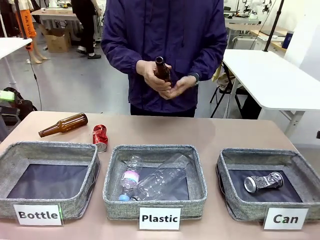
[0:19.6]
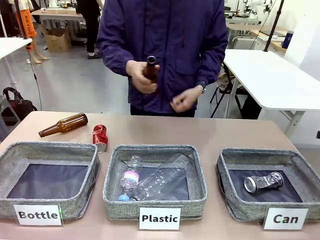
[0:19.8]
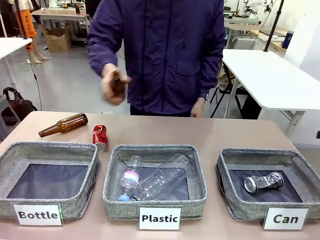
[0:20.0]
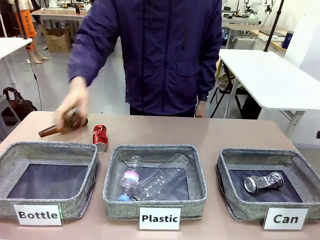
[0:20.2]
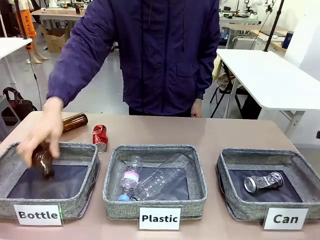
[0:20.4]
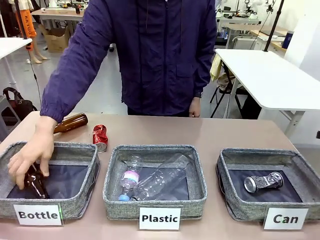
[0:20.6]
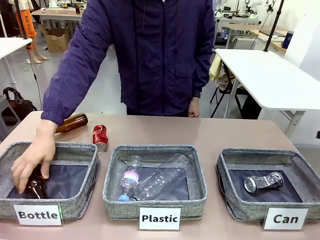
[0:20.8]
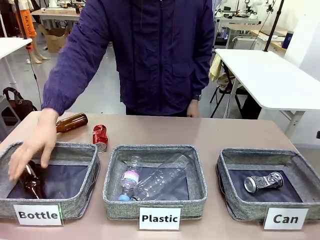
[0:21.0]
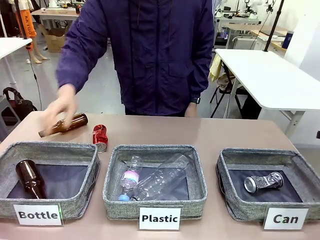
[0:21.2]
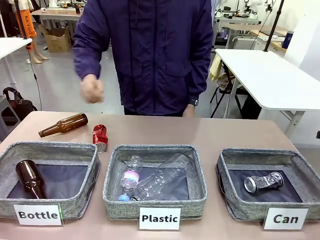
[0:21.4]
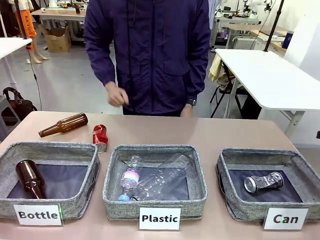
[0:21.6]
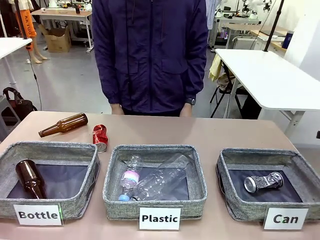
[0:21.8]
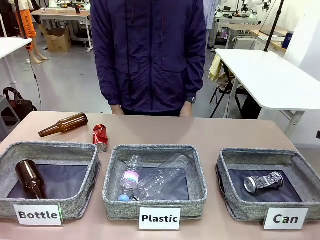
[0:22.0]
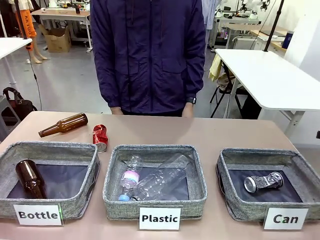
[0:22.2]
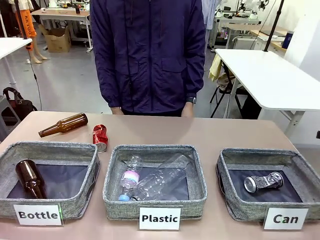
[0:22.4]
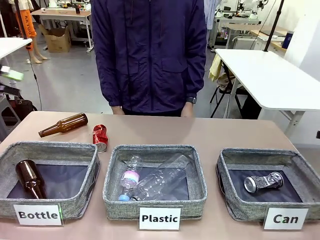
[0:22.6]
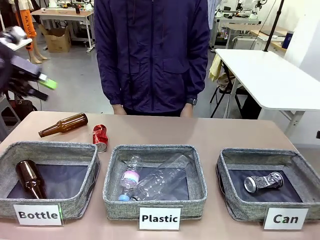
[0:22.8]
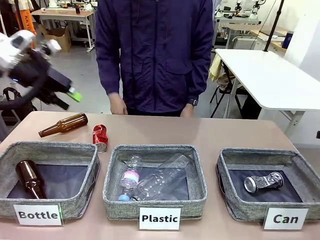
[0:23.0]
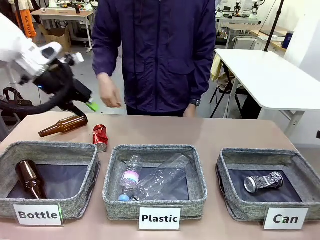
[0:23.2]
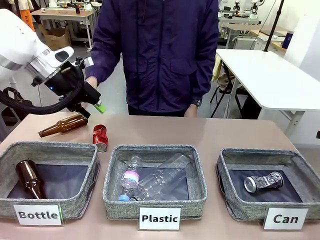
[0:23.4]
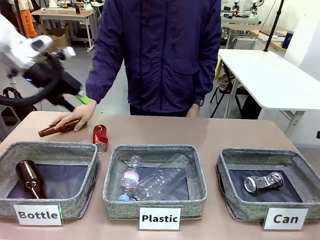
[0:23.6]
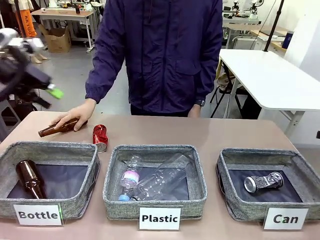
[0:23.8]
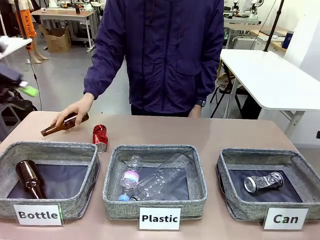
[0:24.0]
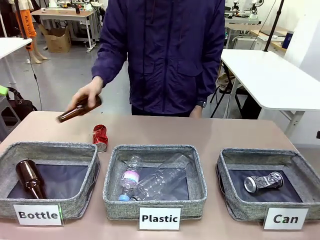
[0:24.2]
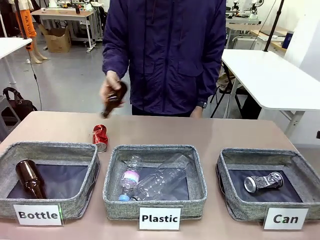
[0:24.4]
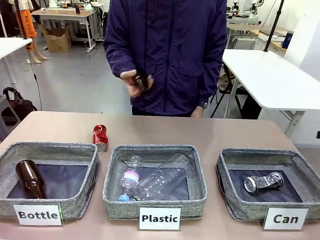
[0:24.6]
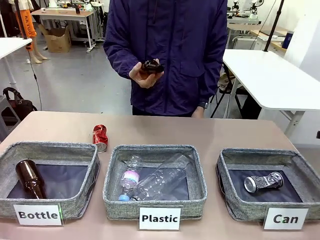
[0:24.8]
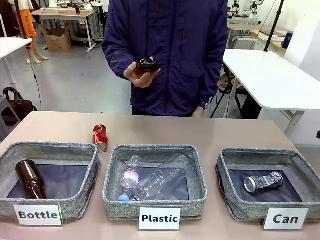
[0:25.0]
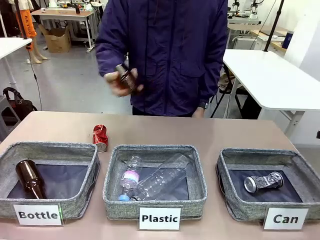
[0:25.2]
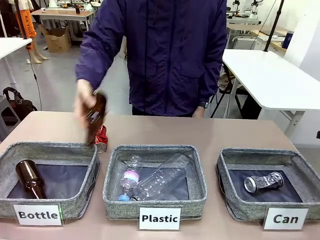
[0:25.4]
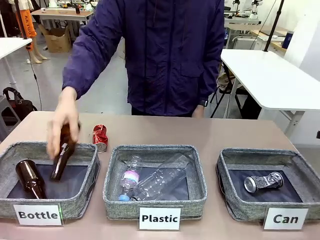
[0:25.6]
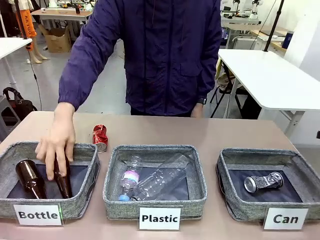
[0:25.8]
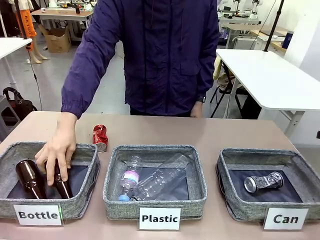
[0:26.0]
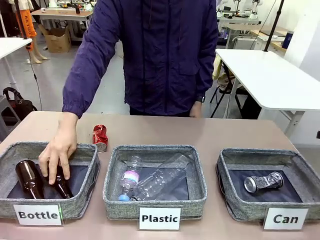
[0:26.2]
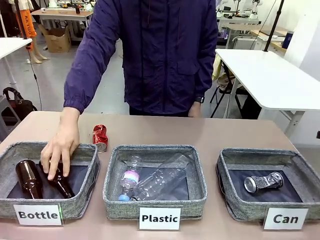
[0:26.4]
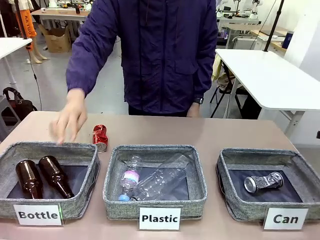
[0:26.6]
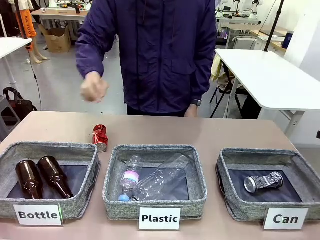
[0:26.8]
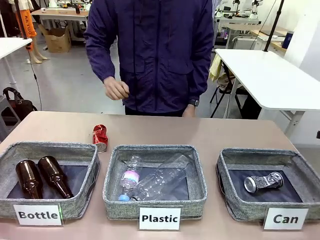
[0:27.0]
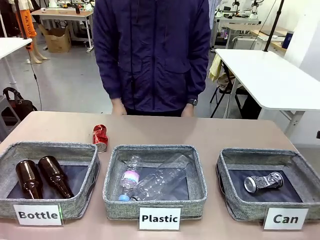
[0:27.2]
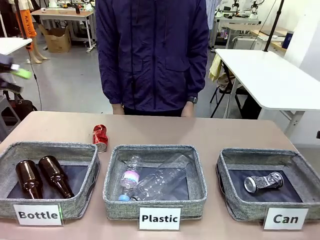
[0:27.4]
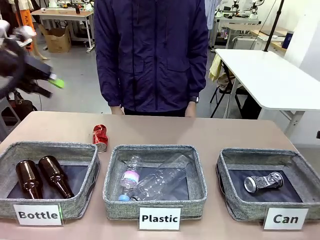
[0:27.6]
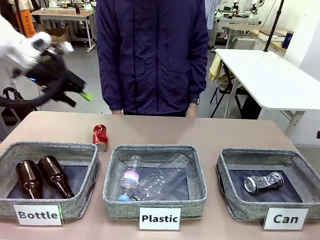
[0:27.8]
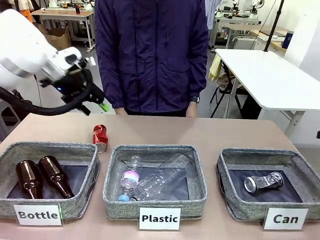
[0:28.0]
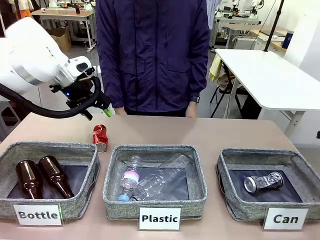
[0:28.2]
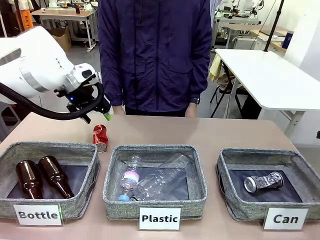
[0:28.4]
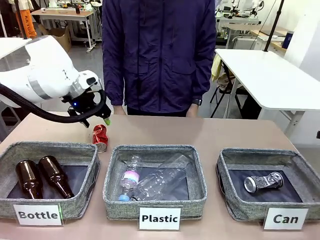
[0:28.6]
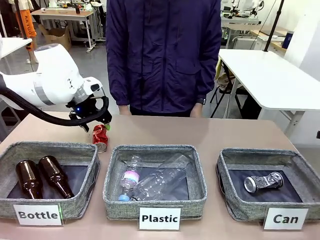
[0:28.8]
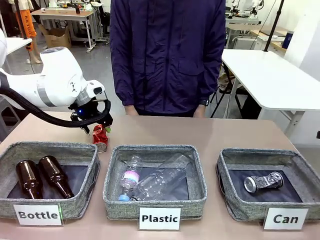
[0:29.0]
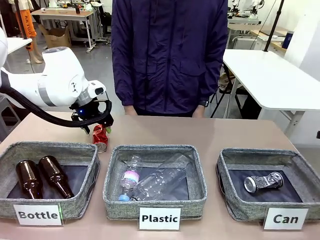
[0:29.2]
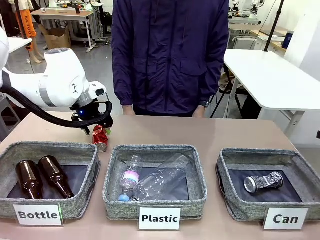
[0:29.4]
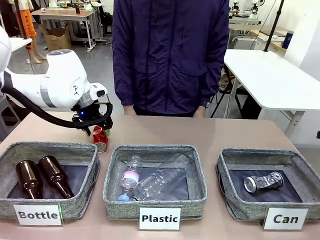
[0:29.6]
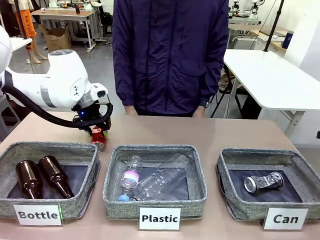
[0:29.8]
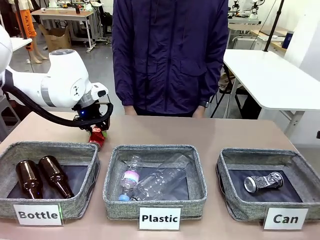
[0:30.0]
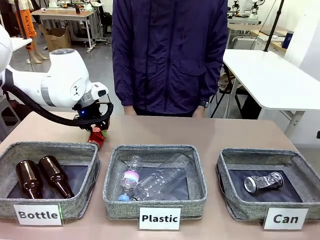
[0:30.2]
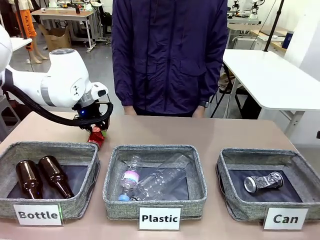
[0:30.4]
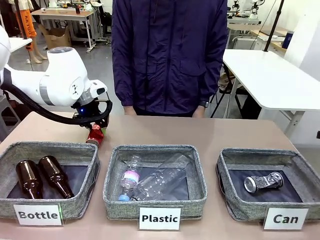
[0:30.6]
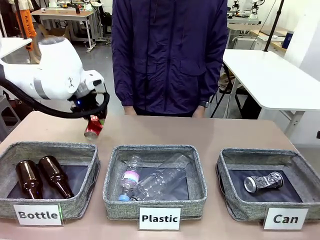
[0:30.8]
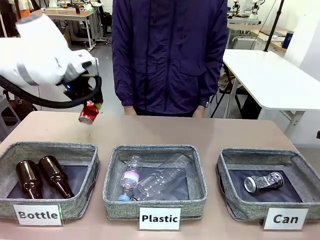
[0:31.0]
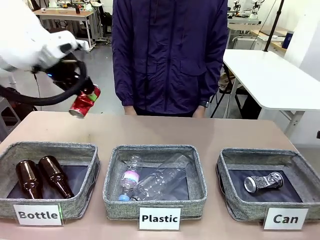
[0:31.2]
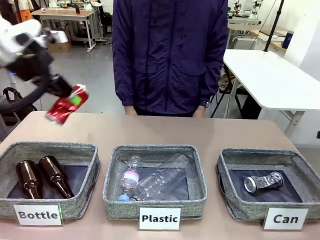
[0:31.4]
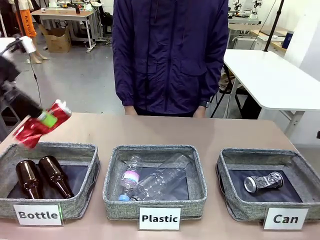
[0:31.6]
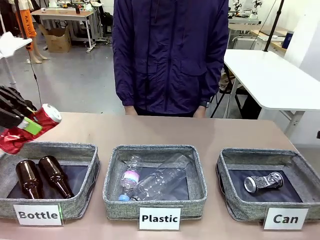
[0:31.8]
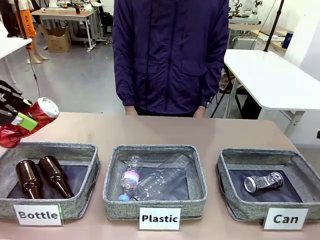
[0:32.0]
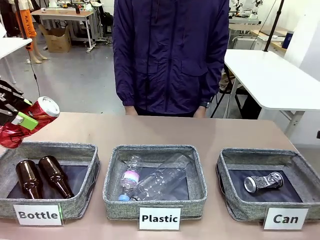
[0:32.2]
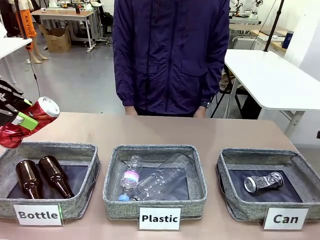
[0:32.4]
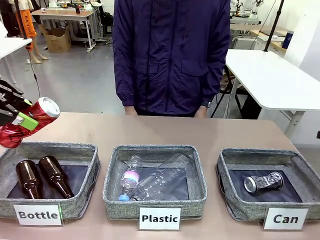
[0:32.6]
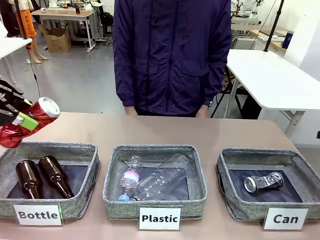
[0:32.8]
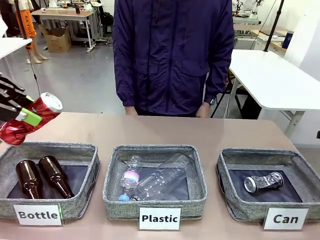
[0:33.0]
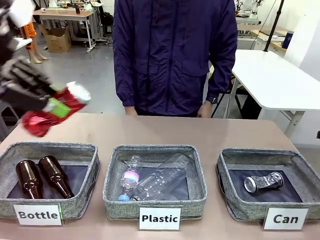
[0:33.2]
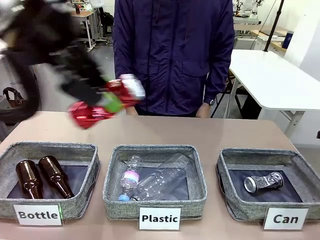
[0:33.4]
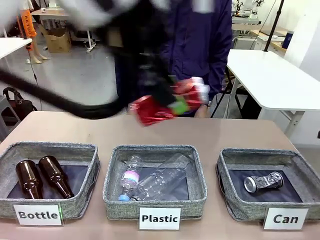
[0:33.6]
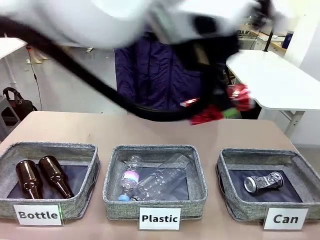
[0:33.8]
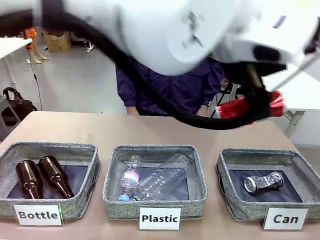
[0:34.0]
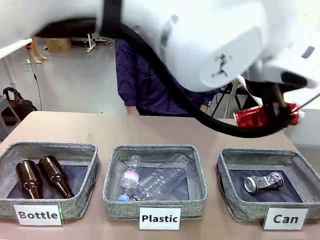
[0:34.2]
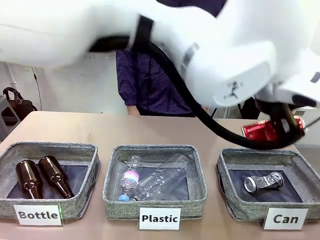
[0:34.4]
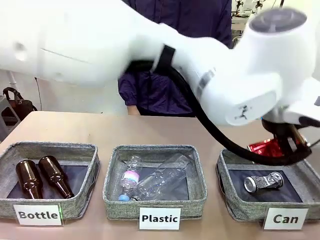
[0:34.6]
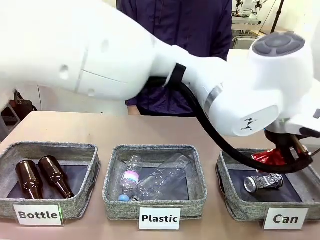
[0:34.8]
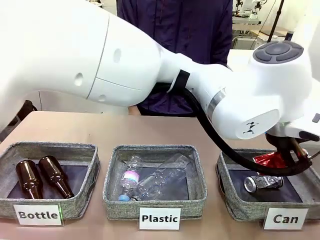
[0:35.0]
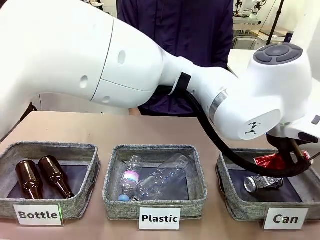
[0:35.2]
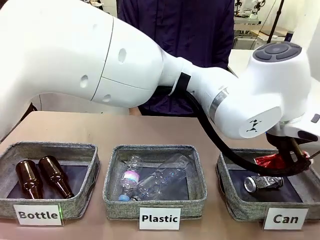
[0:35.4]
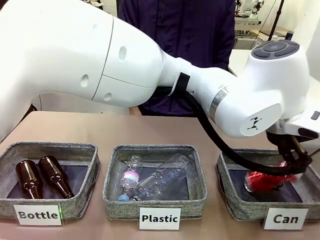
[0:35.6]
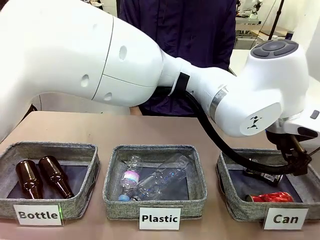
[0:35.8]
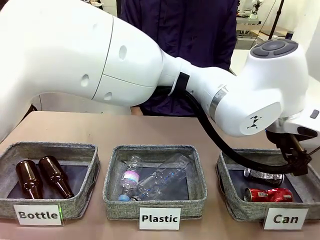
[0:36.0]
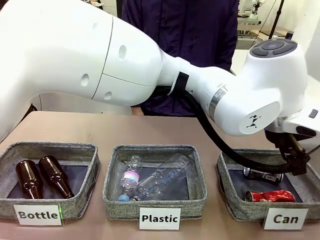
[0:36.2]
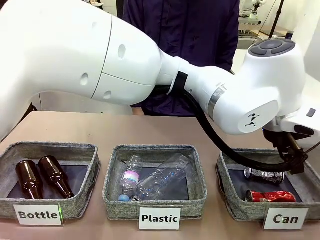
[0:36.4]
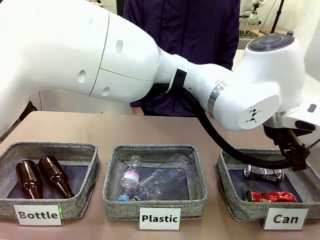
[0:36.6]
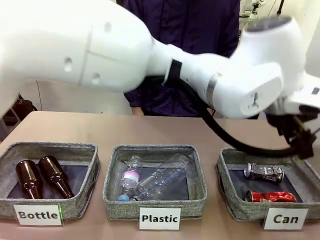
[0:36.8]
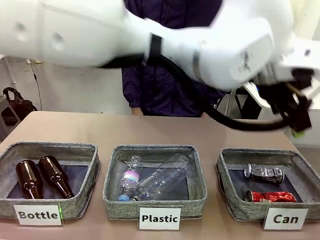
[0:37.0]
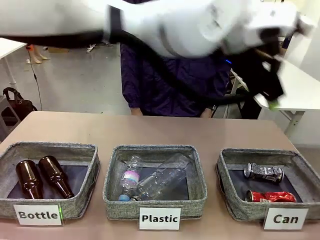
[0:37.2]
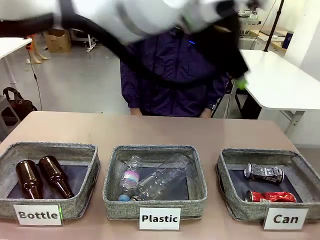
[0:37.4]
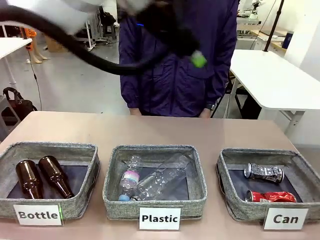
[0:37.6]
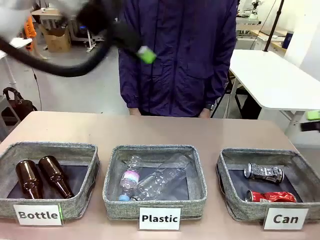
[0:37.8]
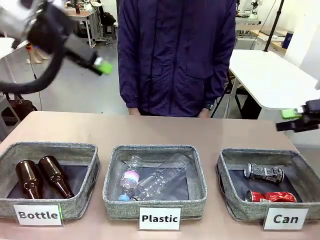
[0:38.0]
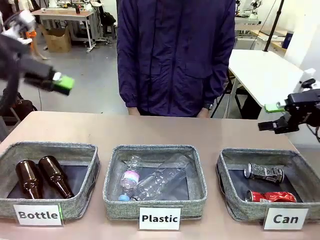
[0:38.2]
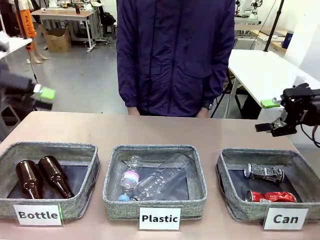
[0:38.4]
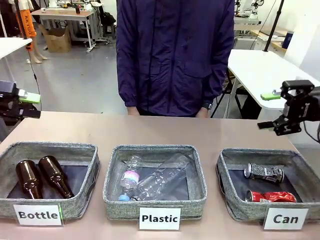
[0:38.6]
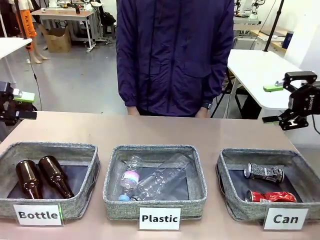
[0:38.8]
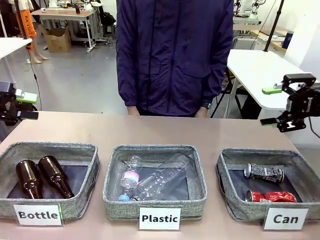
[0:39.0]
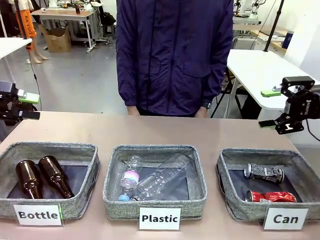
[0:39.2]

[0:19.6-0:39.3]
Task: Sort the can waste into the basket.
Robot: Pick up the can waste from the table and place it in the right Fabric basket.
Person: The human picks up one piece of trash that is not a can and places the trash into the appropriate organizing basket.
